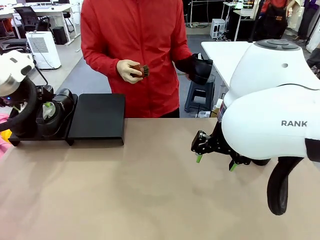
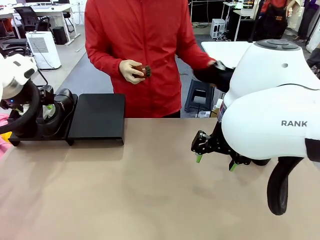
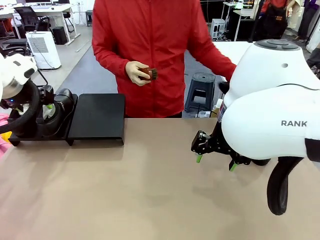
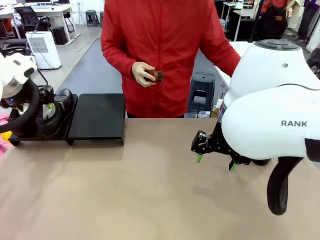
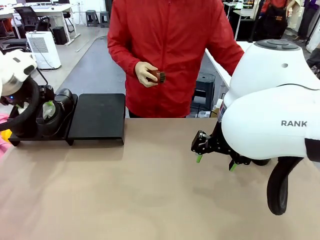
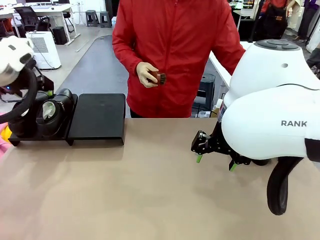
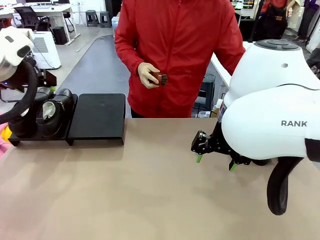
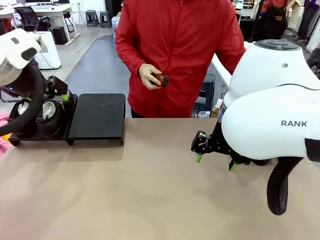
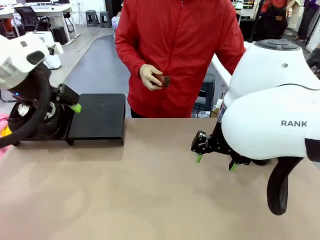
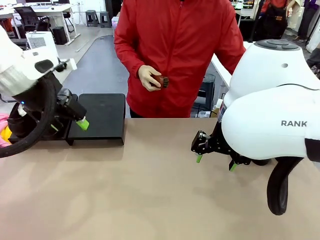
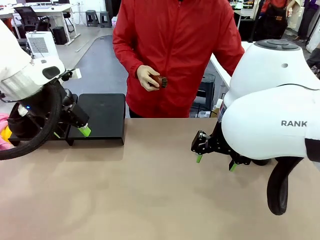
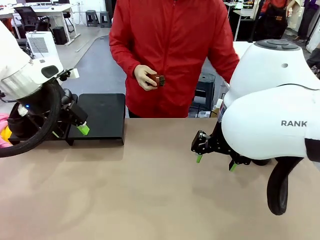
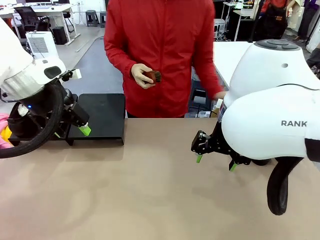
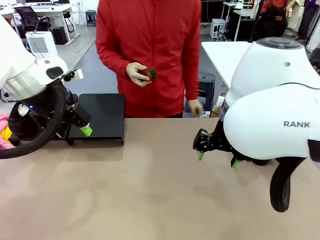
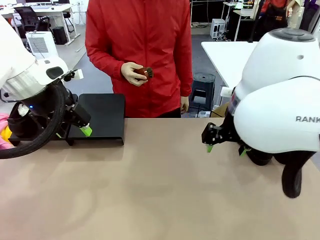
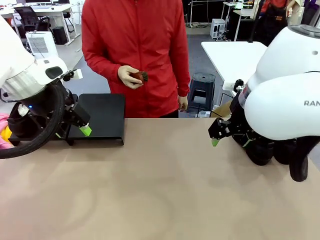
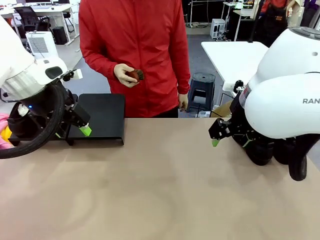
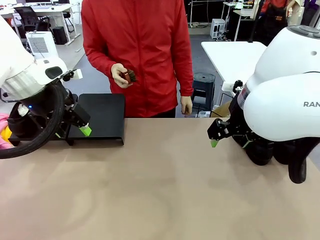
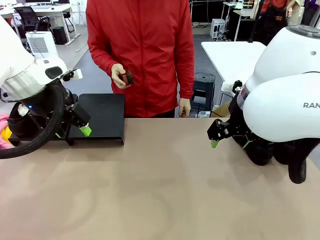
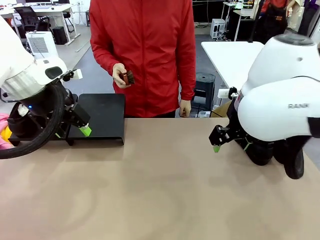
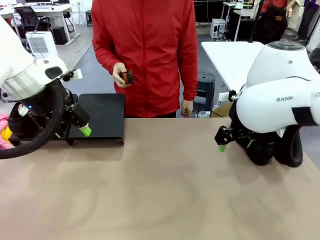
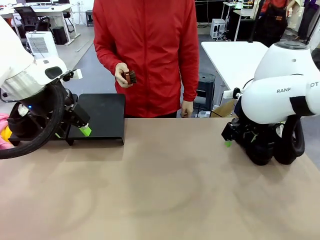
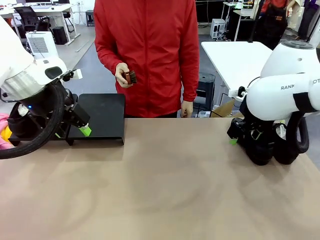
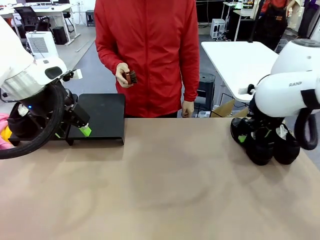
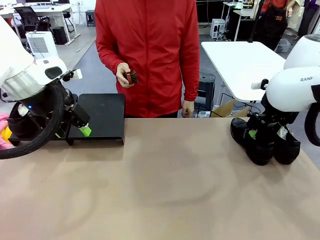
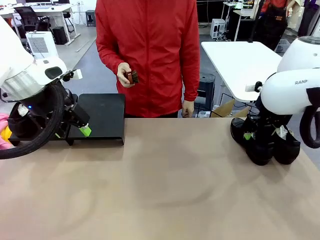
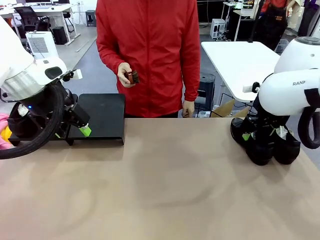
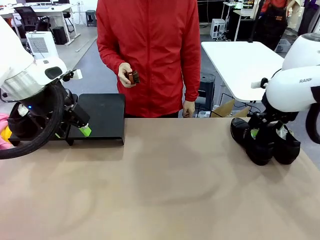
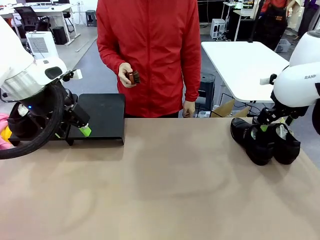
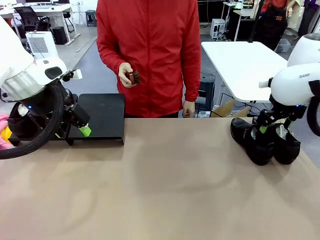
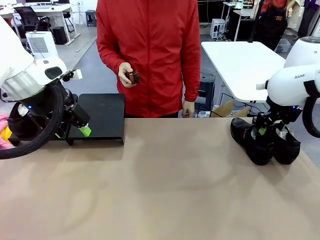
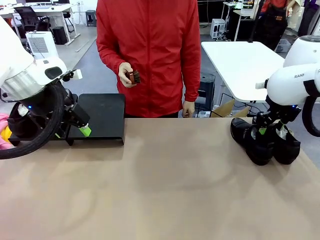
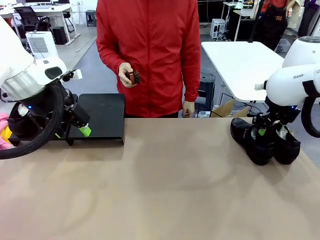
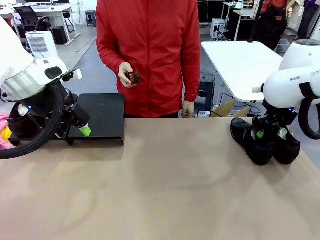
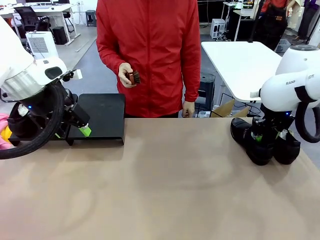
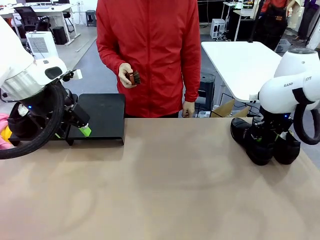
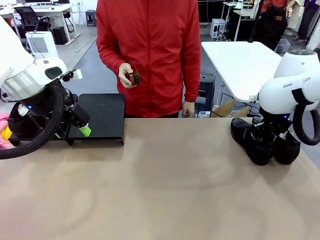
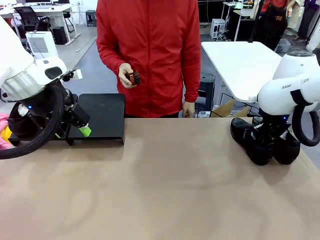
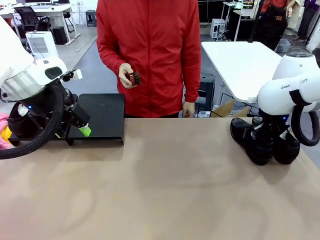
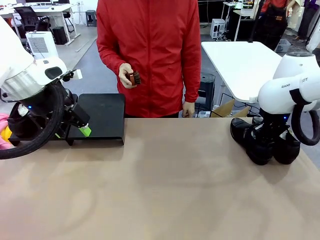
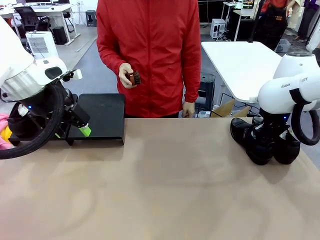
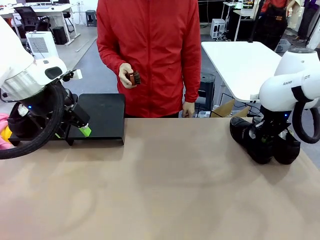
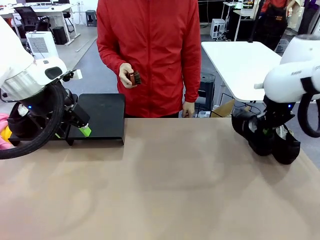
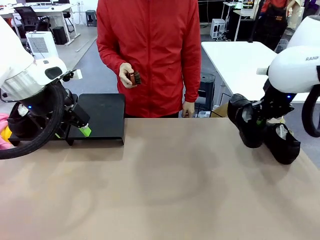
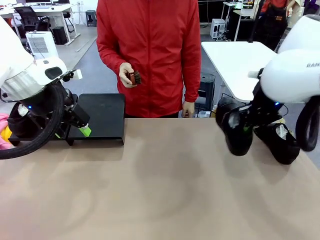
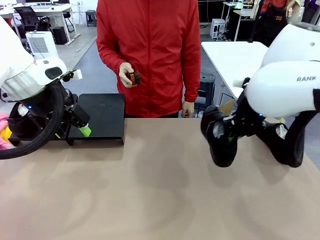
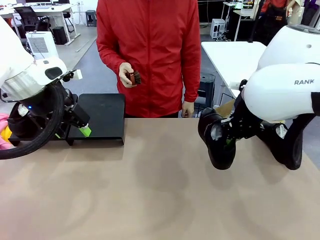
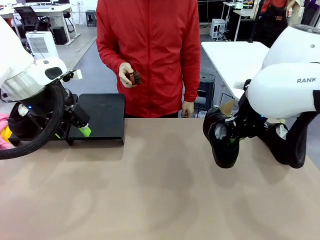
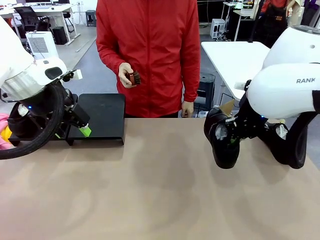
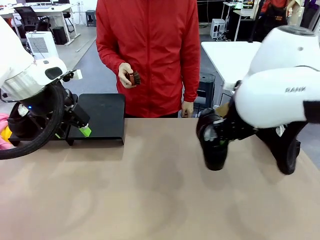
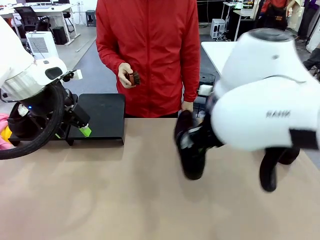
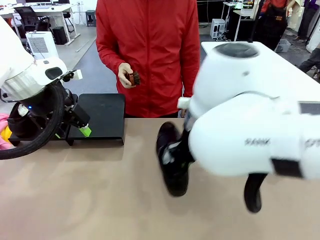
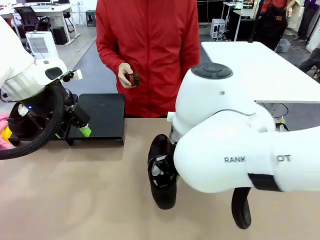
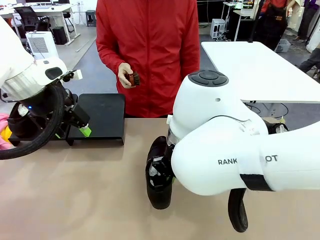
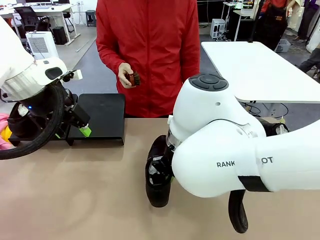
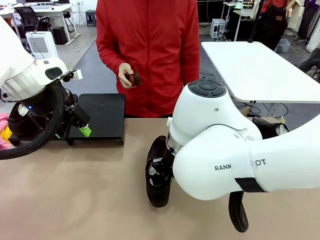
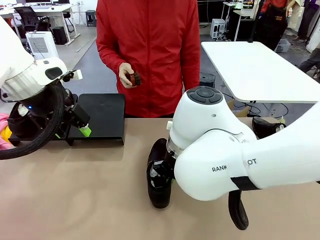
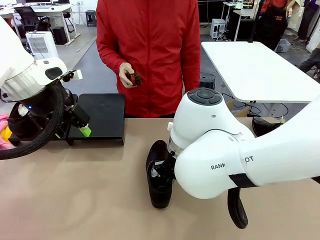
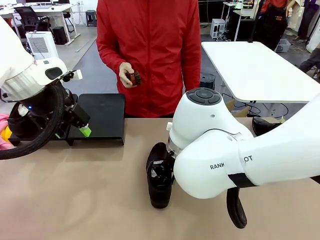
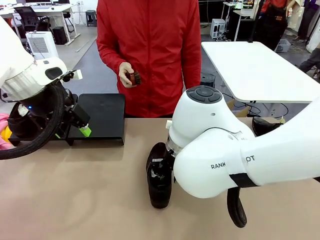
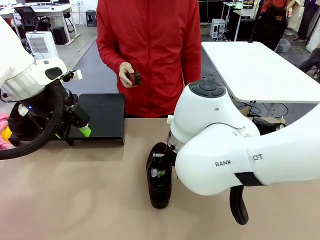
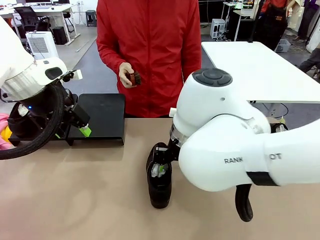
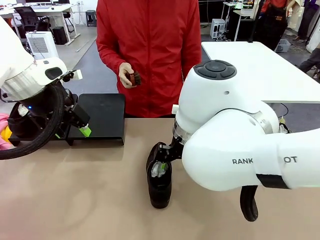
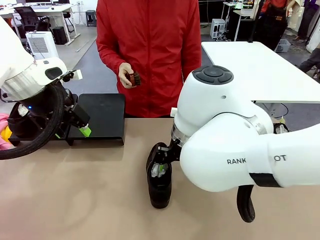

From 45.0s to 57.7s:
Task: Organize the shoes by placing them on the stand.
Robot: Pick up one Shoe and place it in the middle of the table.

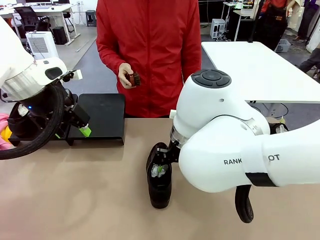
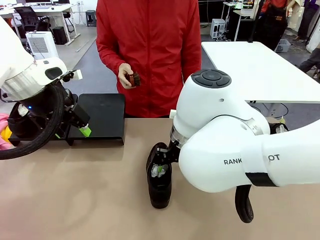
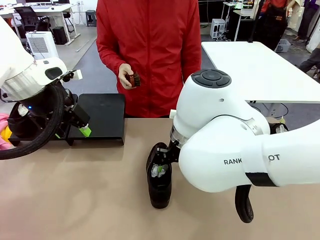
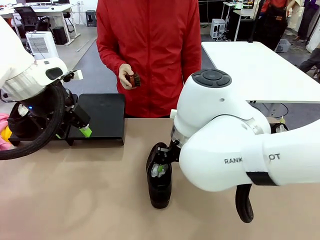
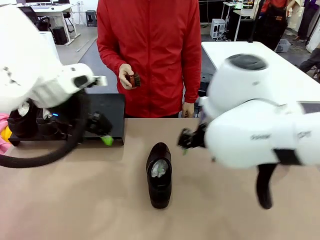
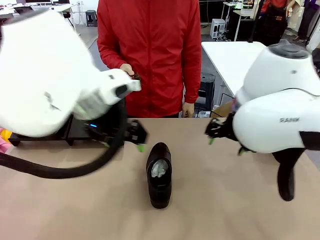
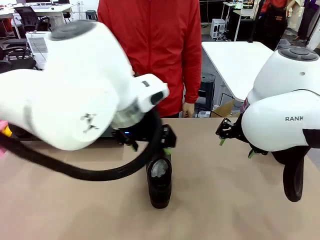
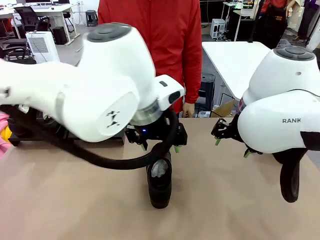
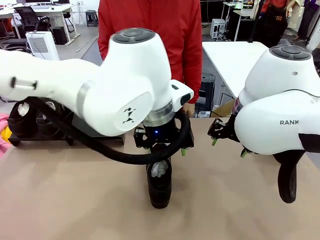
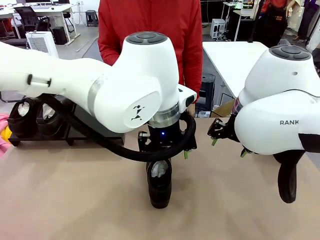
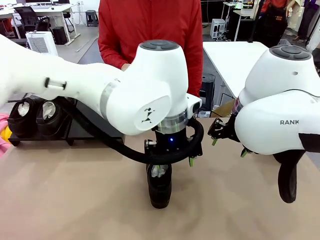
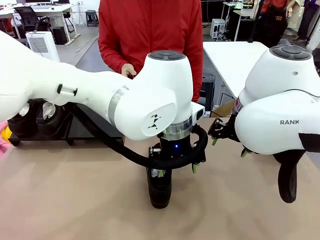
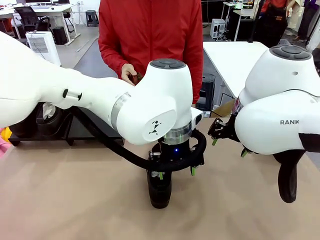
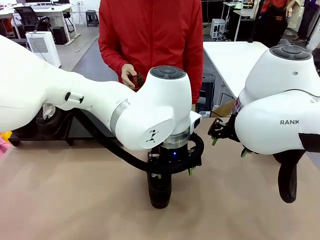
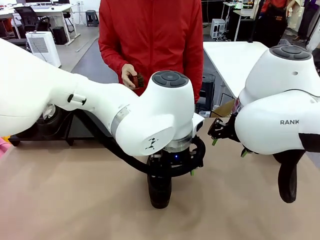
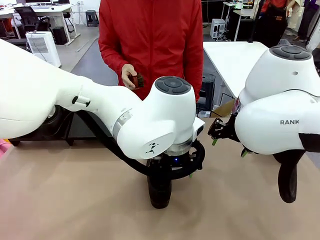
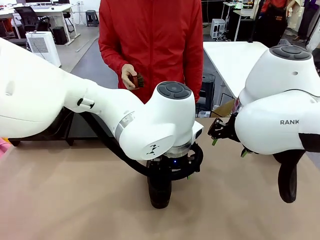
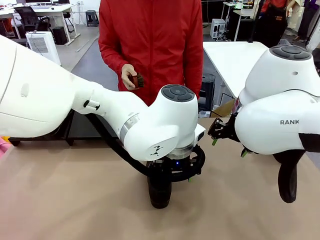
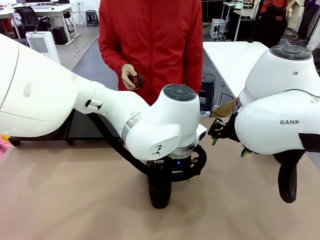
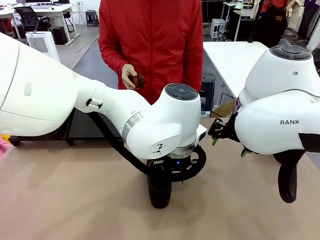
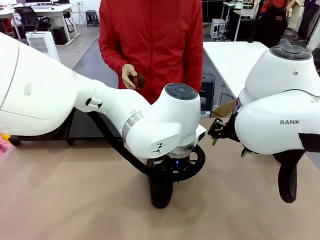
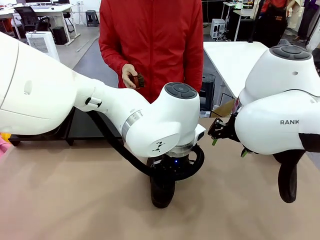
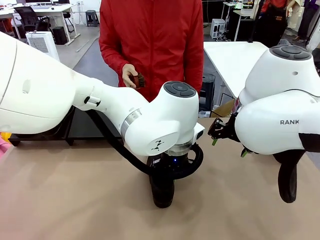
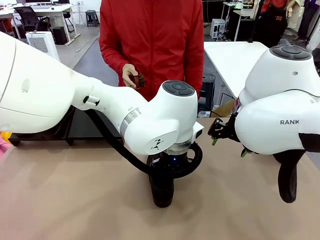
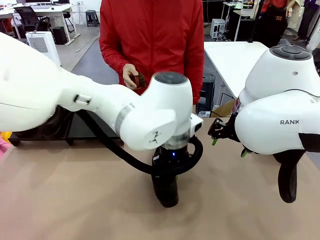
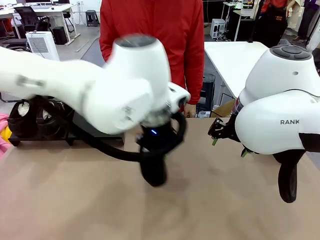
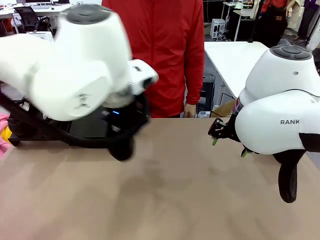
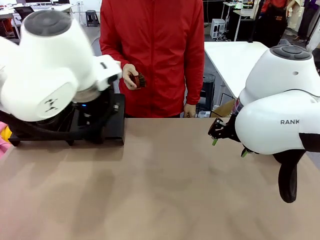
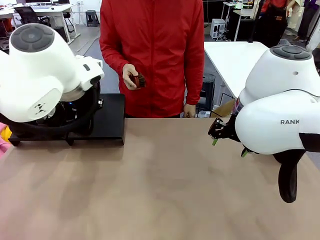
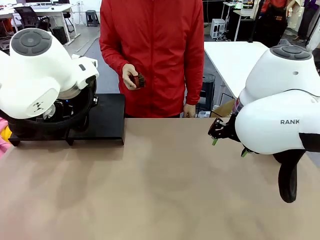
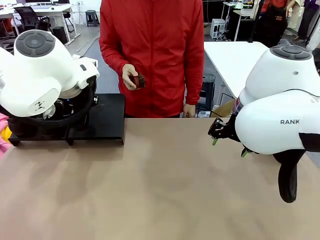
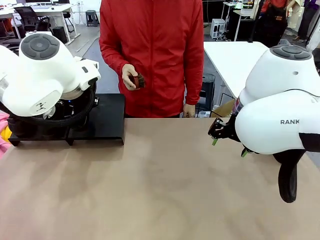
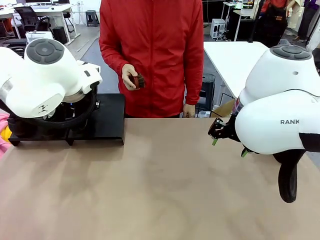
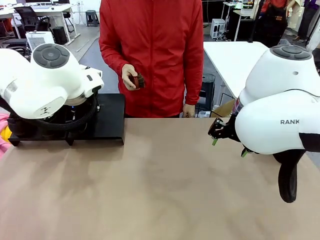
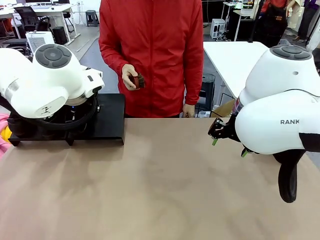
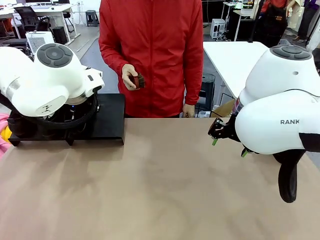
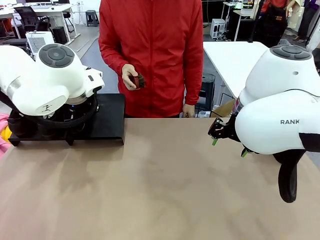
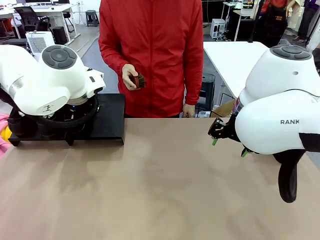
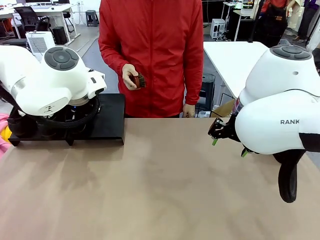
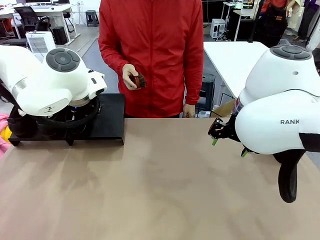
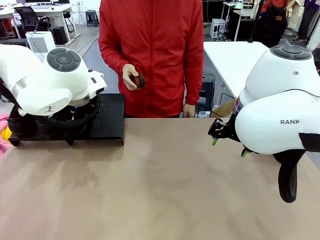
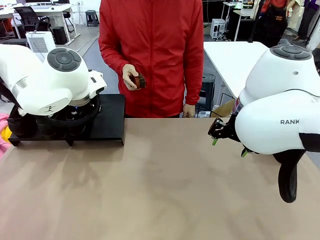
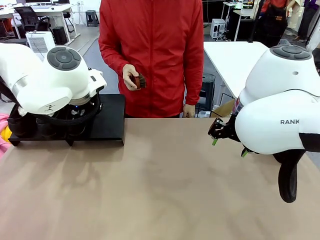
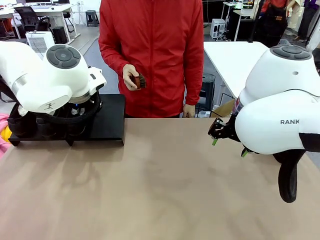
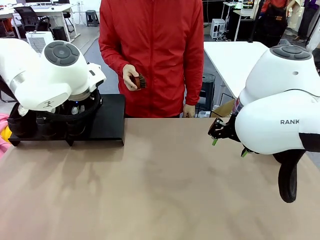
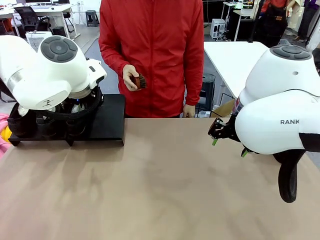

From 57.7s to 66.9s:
Robot: Place the Shoe from the middle of the table onto the Shoes Stand.
